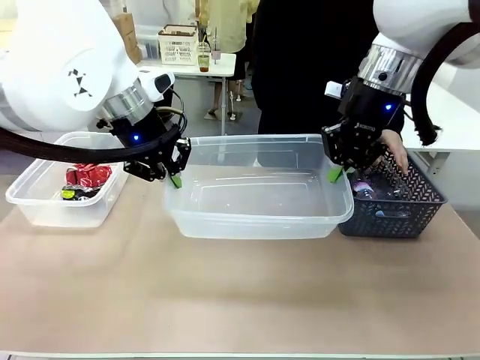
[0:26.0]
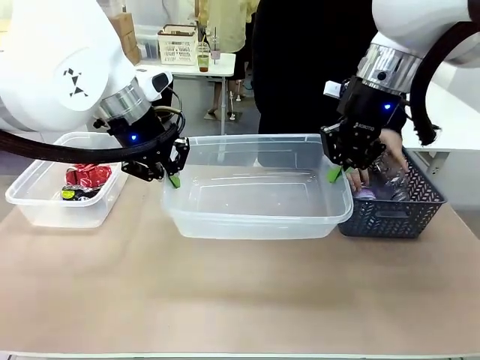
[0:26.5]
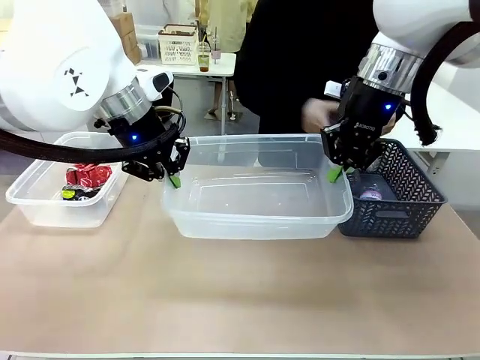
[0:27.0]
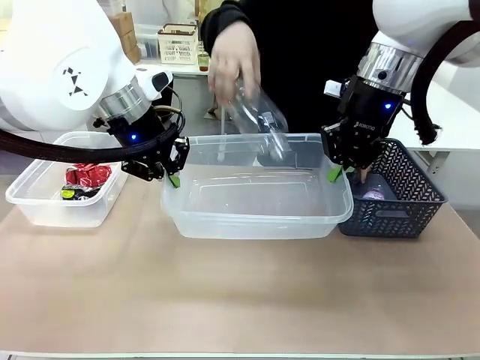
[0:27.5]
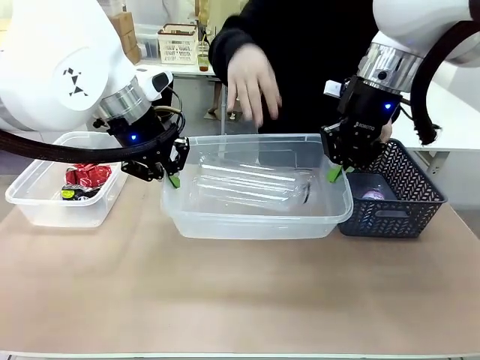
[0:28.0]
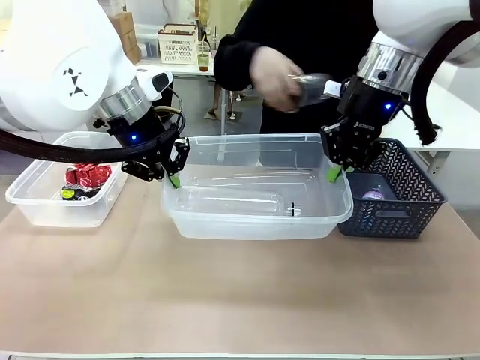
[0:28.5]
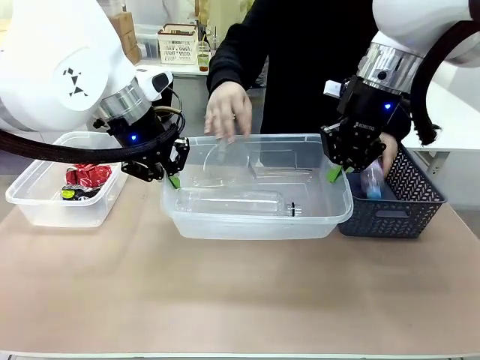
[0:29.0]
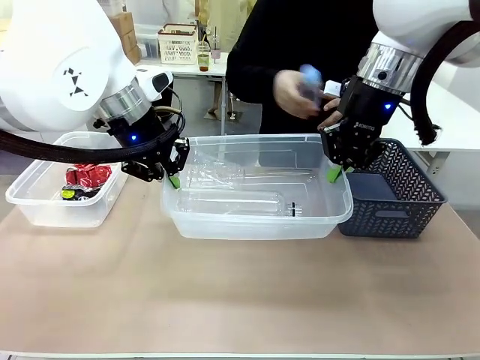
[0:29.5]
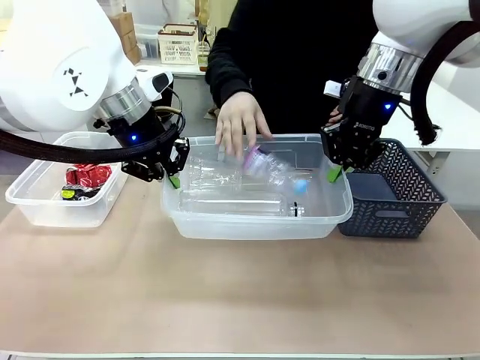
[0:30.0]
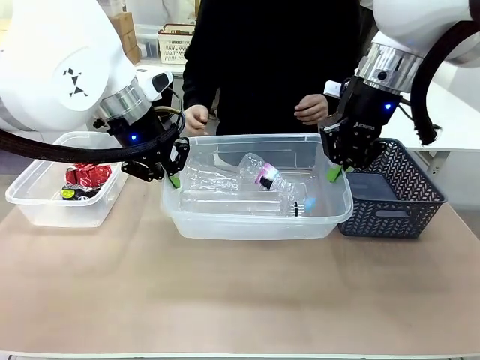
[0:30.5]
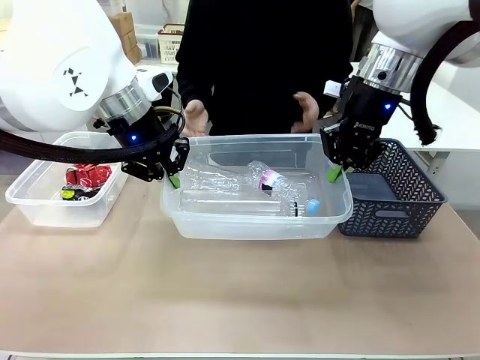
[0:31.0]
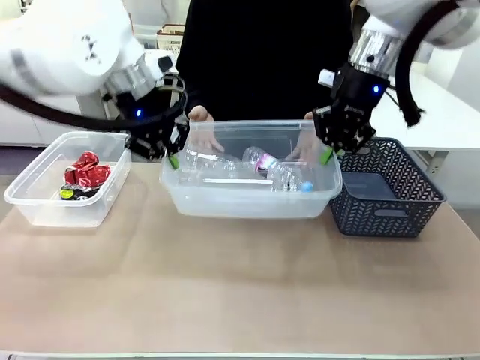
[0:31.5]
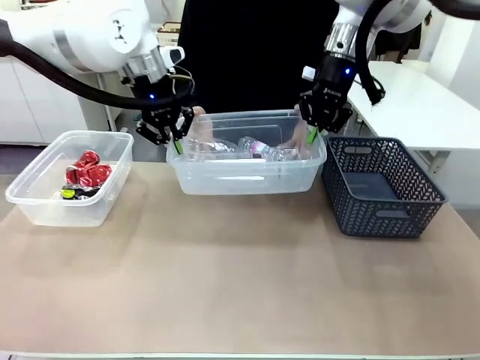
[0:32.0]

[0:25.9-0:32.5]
Robot: Offer the picked Organizing box to the human.
Person: Pick up plastic waste one by one and place it into the organizing box lifted by the robot.

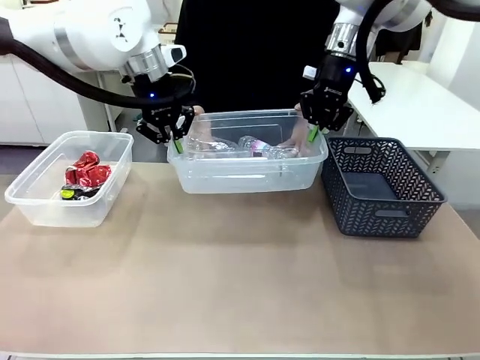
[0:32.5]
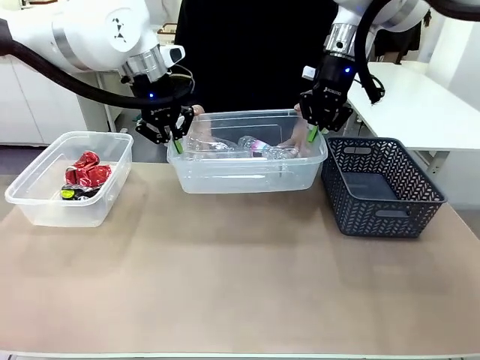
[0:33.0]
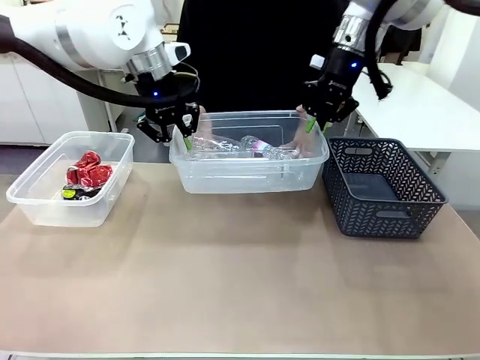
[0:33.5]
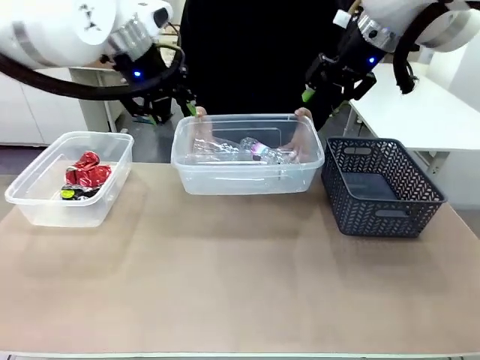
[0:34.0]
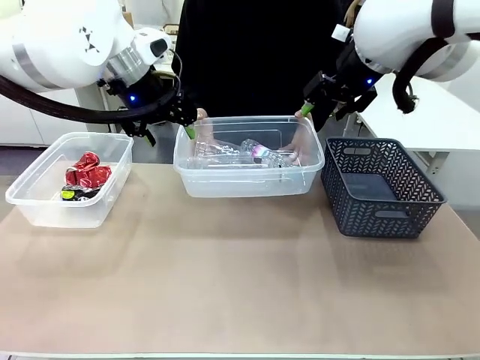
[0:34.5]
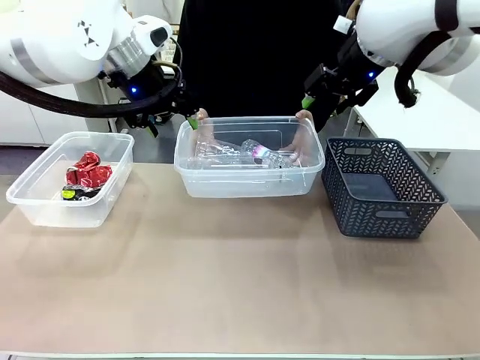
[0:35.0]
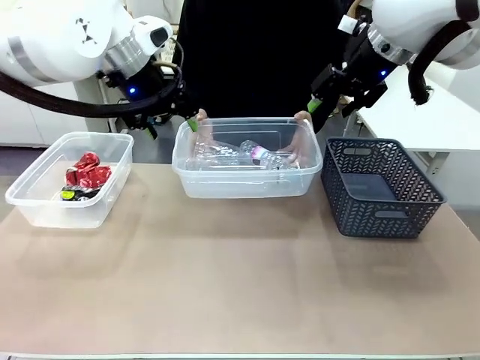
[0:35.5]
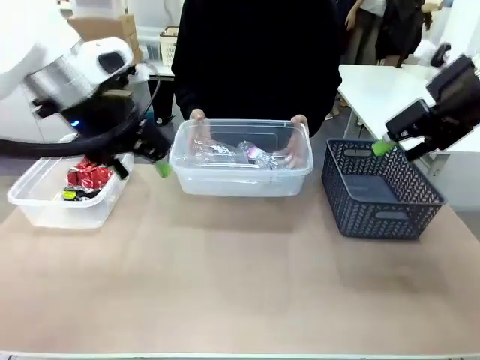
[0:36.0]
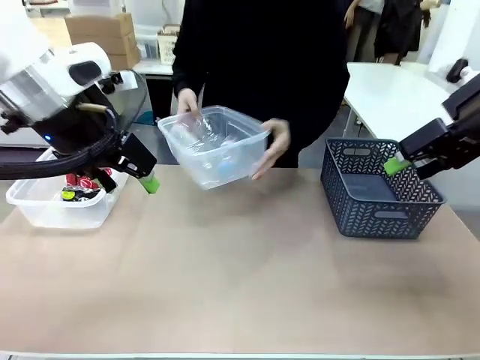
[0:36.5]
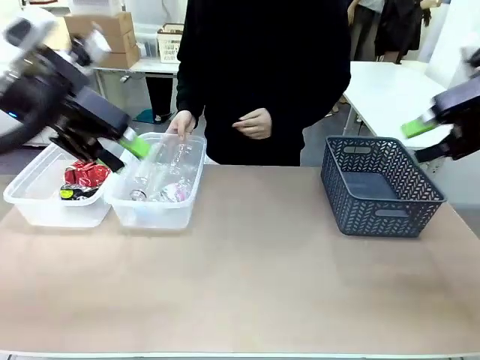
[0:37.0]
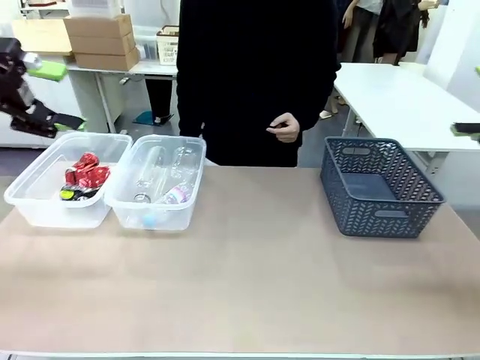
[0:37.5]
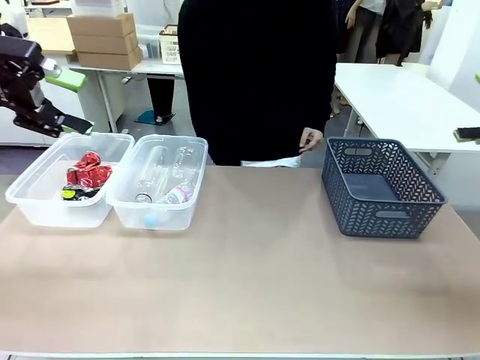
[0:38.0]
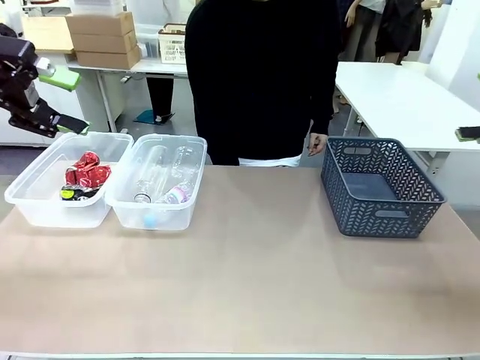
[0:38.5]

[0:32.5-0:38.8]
Robot: Release the Organizing box you were holding.
Person: Pick up the organizing box extended by the robot. Place the organizing box to the left of the sorting box containing the can waste.

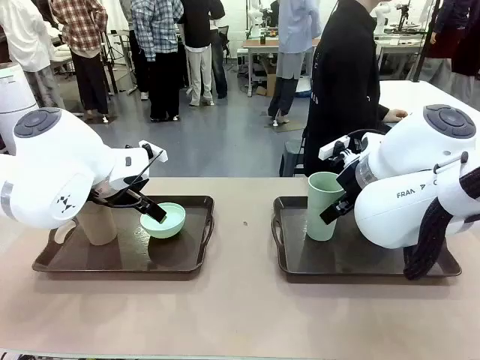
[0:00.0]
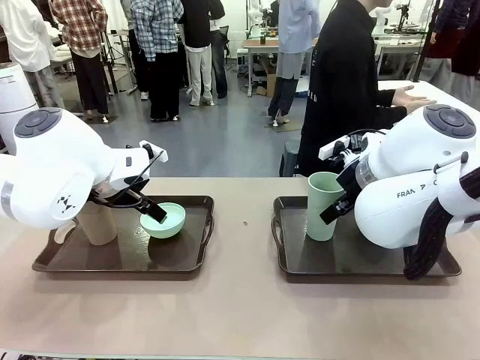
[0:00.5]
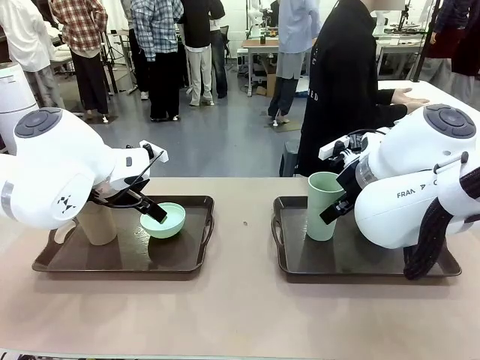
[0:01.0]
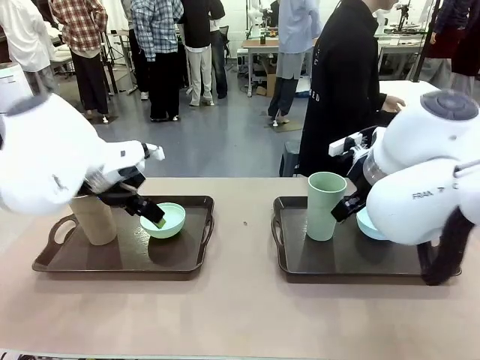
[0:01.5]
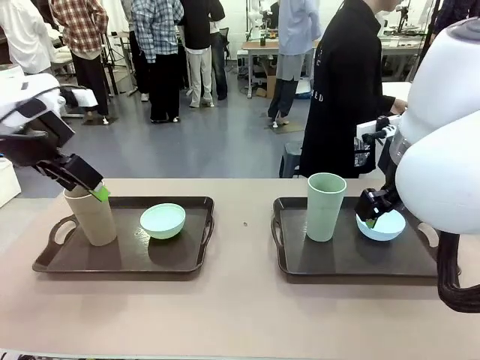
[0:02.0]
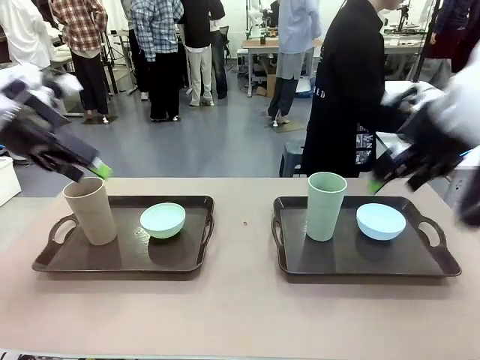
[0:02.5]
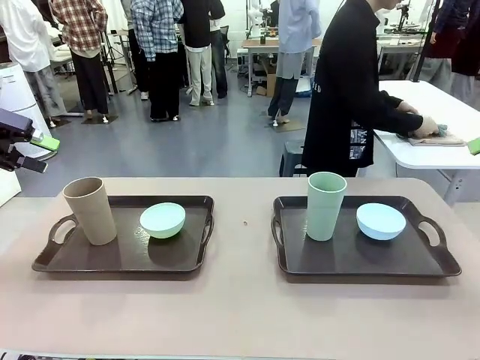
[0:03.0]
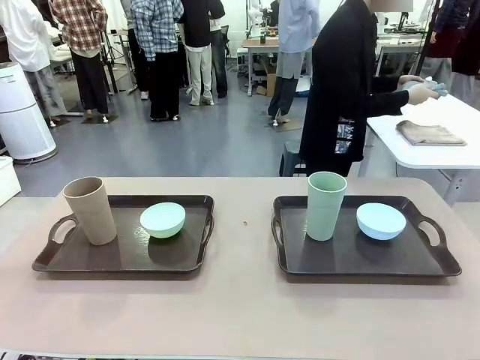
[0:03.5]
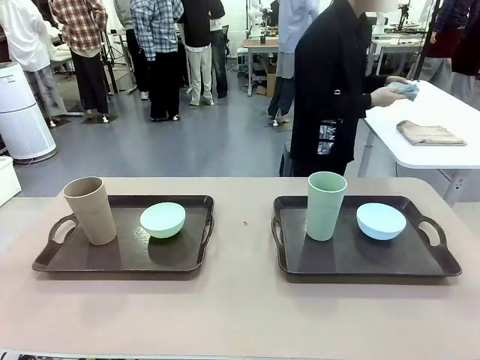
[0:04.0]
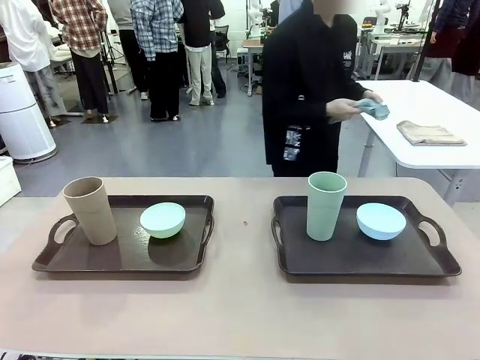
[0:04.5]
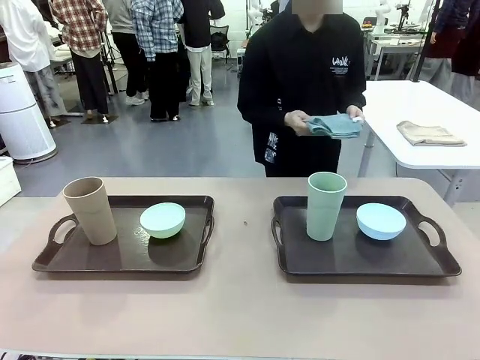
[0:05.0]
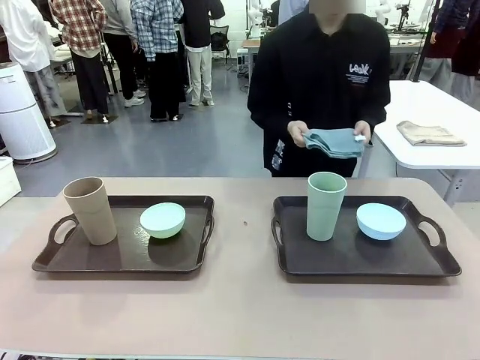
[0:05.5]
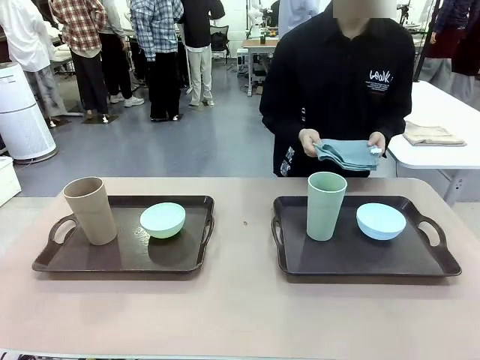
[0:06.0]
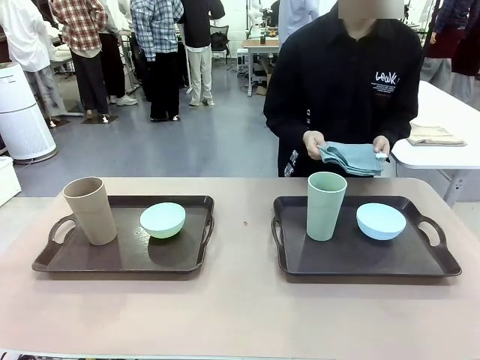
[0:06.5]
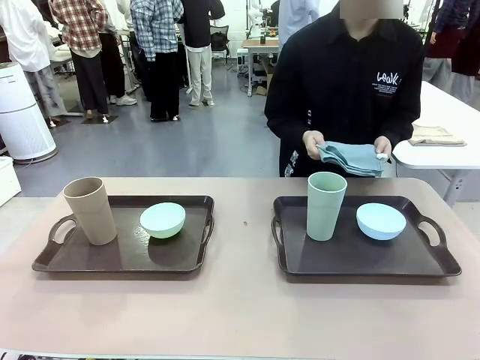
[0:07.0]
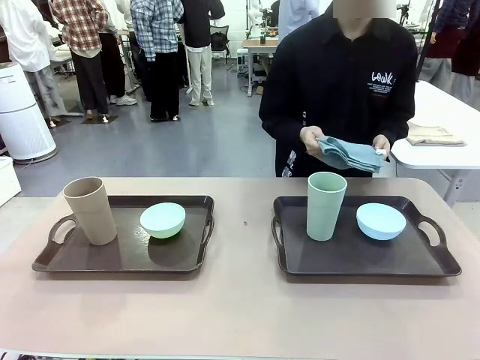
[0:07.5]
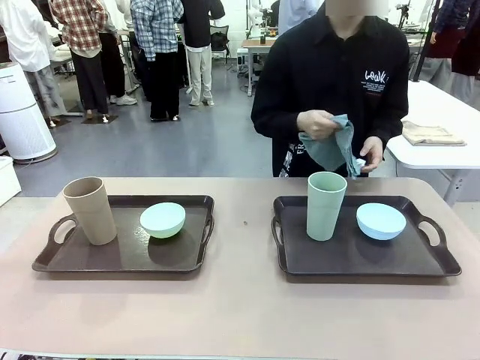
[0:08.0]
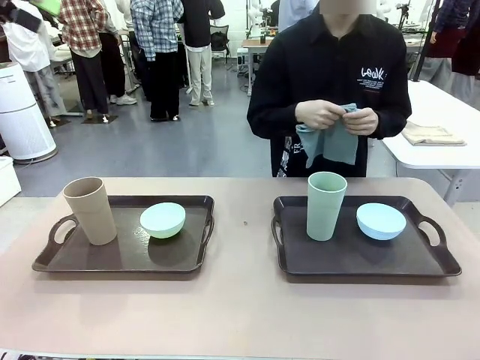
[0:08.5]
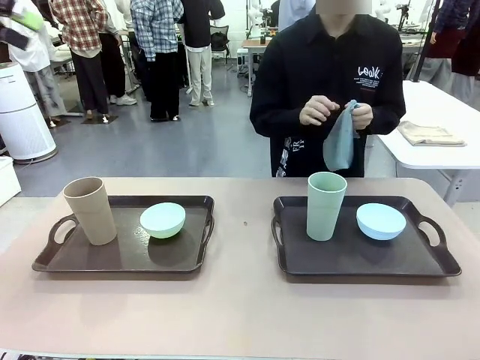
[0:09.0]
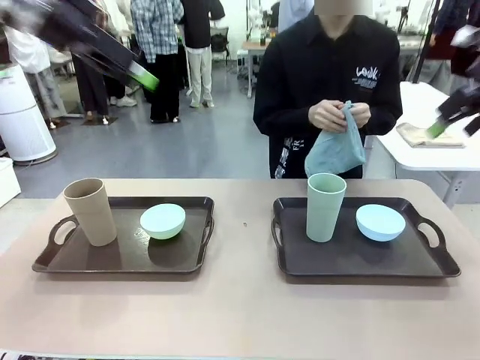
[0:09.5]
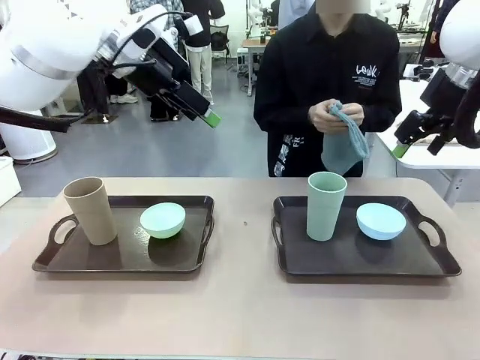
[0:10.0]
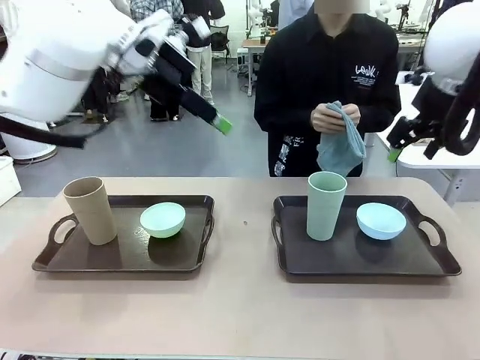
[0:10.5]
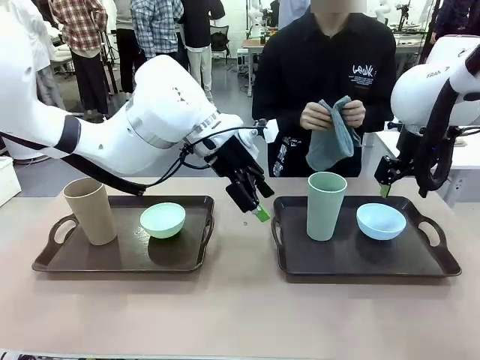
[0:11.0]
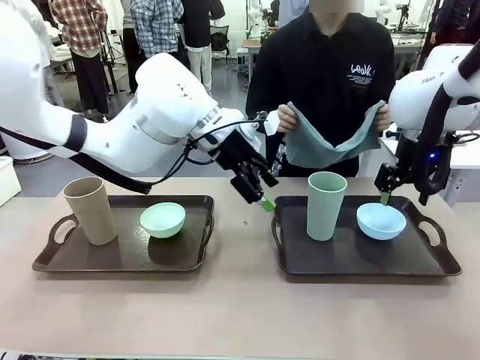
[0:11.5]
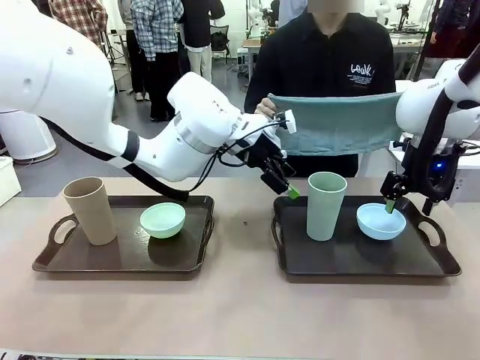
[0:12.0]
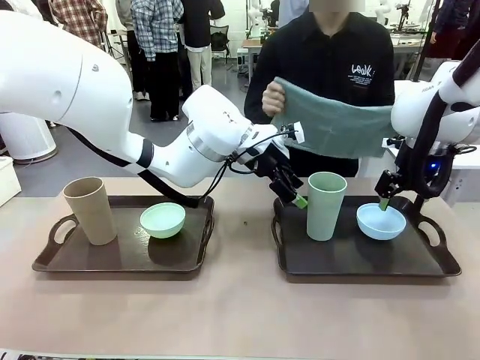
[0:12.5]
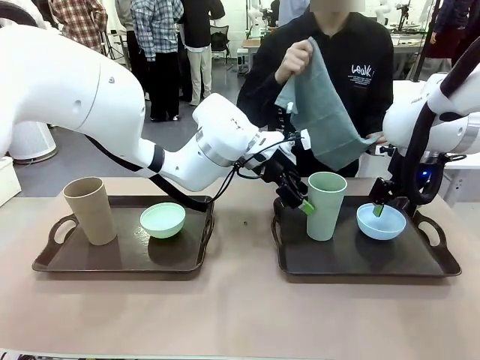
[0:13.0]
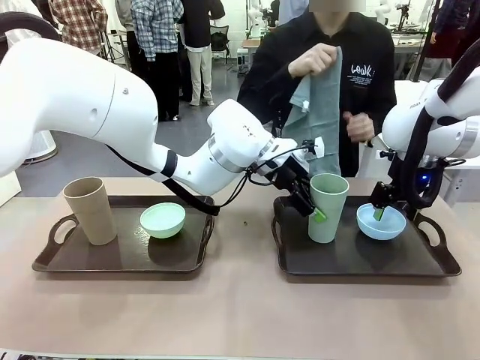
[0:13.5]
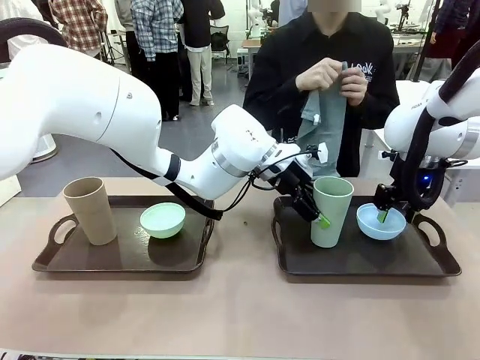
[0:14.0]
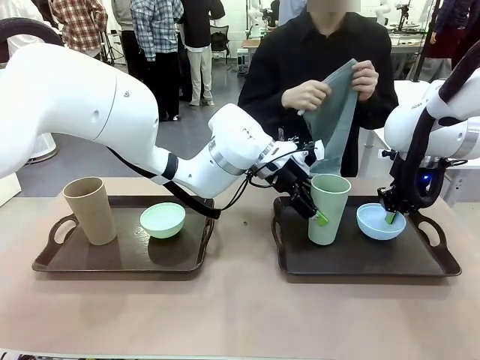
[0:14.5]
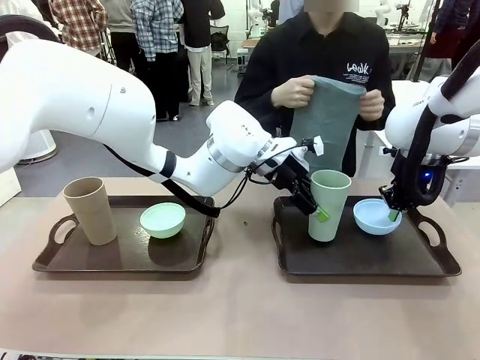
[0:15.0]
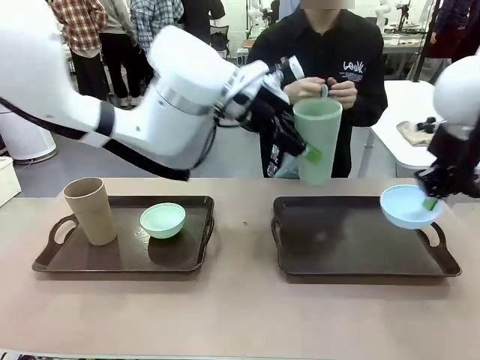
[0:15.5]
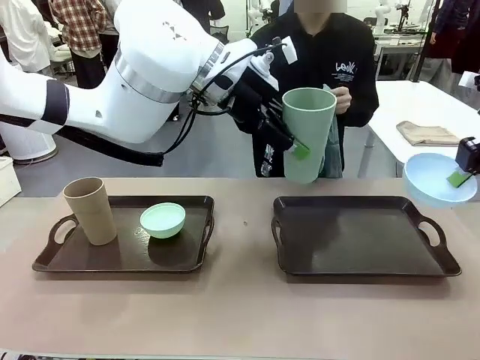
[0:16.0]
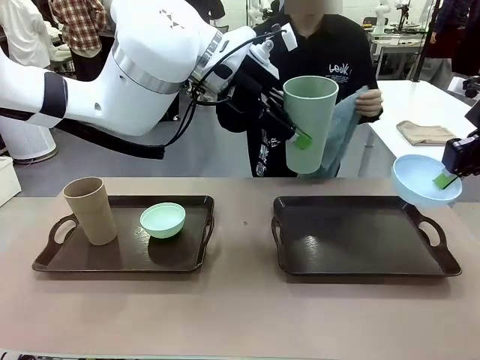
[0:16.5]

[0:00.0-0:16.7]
Robot: Pick up the Picnic Bowl and Reusable plastic cup from the Handle tray in front of the human's position and hold them in the air.
Person: The human picks up the top napkin from the stack on the human table and walks to the robot table to stand in front of one of the two trays. When the robot lifts the bowl and the cup, the human unfolds the napkin and lays the napkin flat on the tray.
